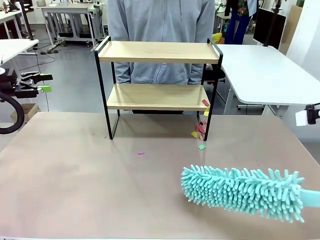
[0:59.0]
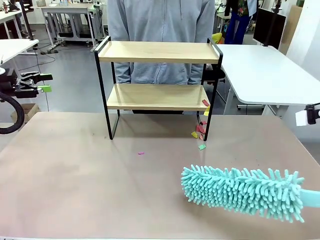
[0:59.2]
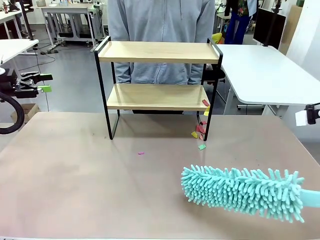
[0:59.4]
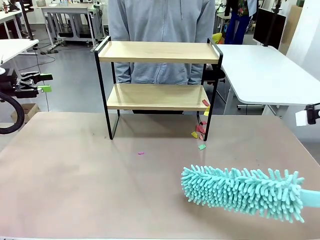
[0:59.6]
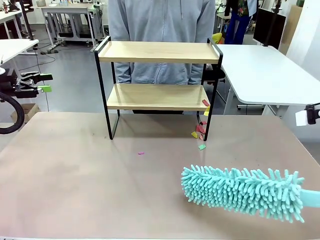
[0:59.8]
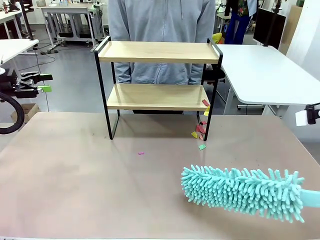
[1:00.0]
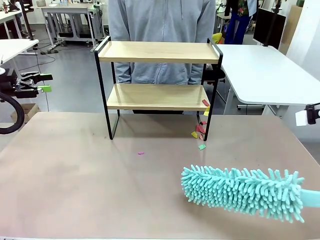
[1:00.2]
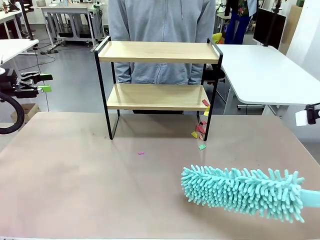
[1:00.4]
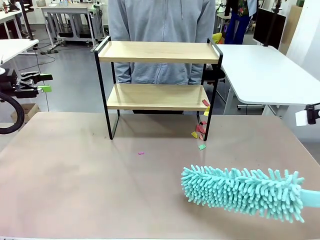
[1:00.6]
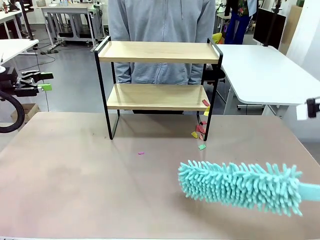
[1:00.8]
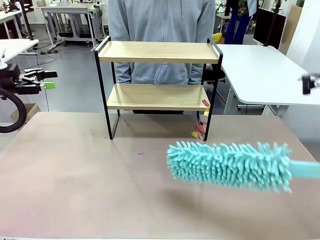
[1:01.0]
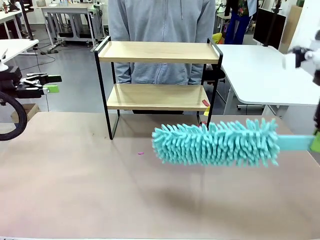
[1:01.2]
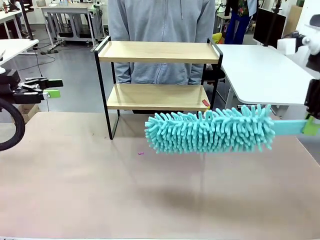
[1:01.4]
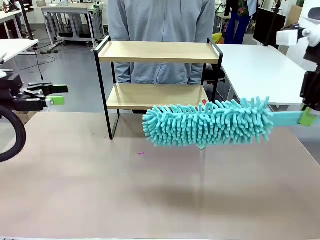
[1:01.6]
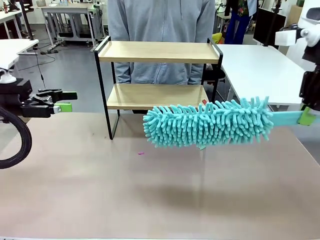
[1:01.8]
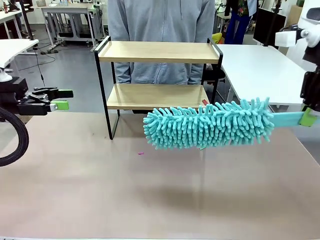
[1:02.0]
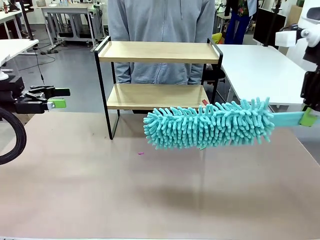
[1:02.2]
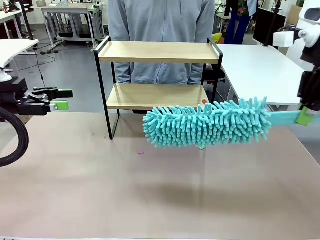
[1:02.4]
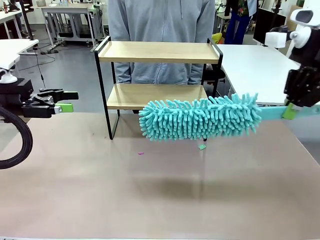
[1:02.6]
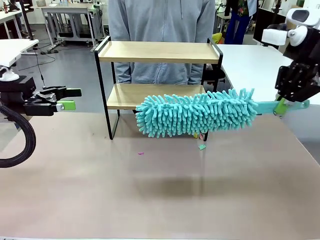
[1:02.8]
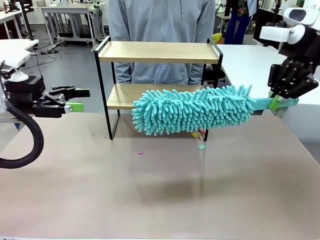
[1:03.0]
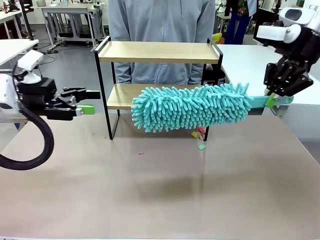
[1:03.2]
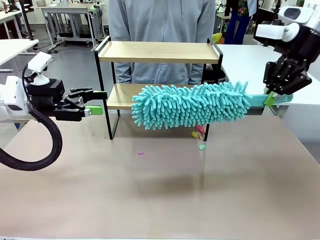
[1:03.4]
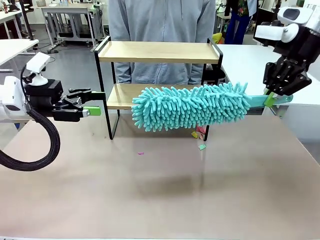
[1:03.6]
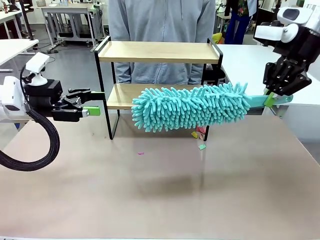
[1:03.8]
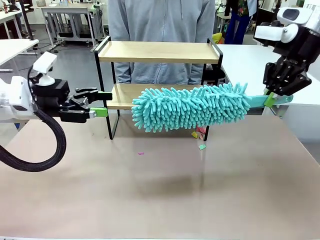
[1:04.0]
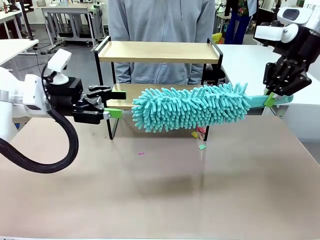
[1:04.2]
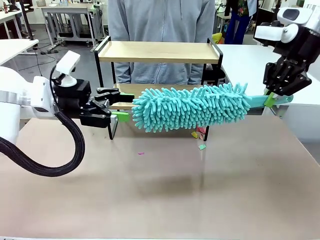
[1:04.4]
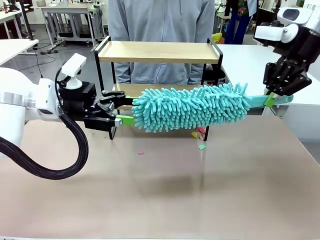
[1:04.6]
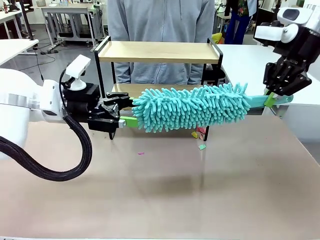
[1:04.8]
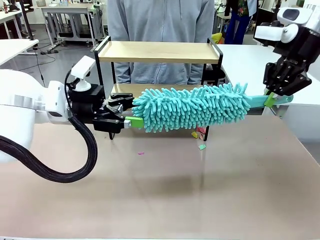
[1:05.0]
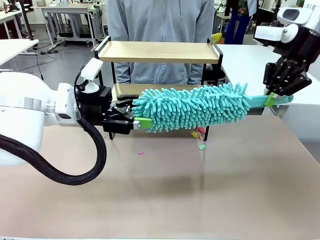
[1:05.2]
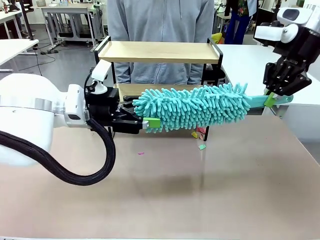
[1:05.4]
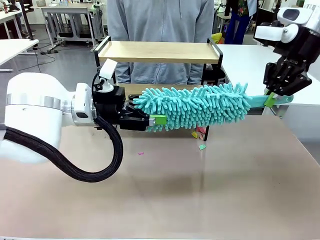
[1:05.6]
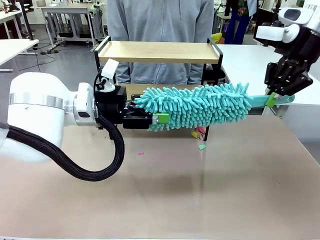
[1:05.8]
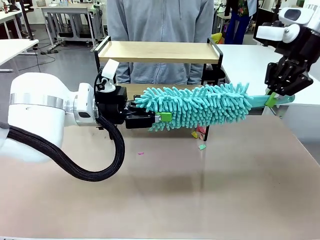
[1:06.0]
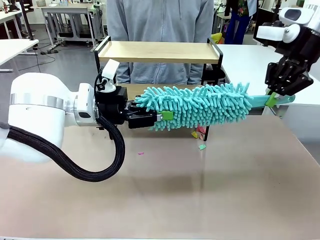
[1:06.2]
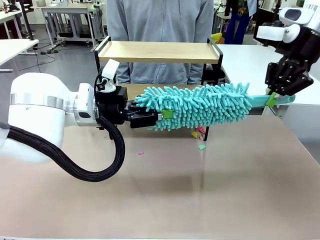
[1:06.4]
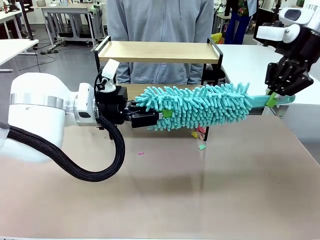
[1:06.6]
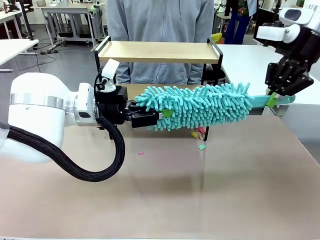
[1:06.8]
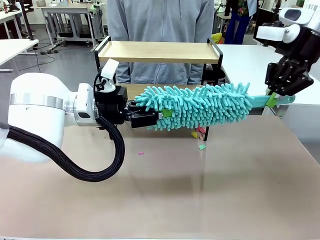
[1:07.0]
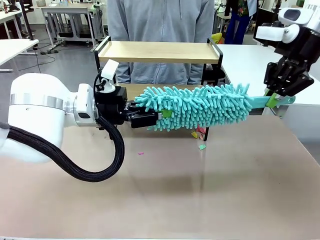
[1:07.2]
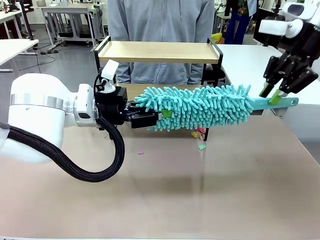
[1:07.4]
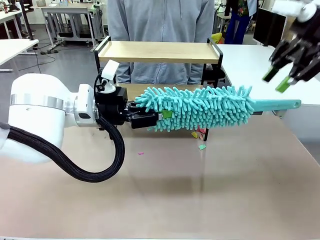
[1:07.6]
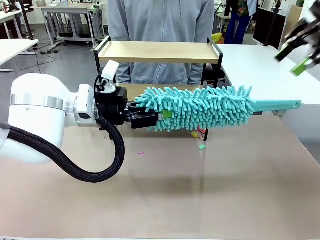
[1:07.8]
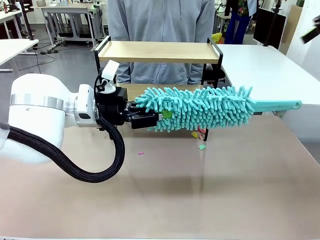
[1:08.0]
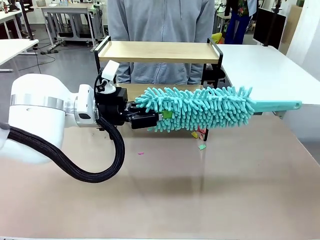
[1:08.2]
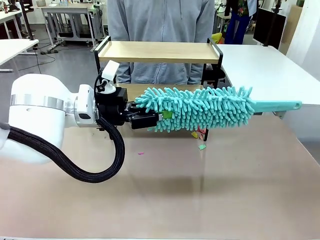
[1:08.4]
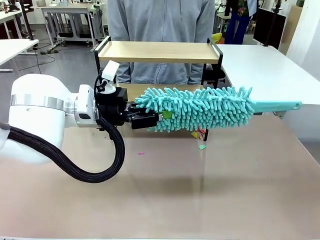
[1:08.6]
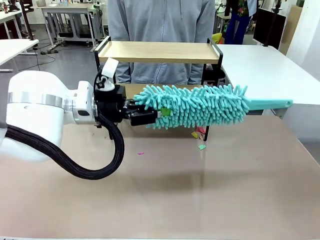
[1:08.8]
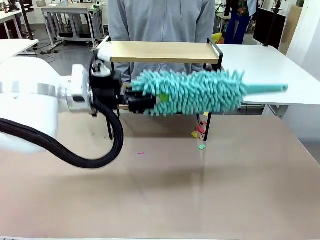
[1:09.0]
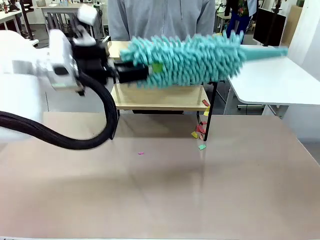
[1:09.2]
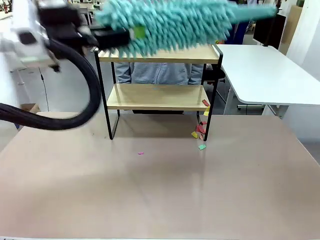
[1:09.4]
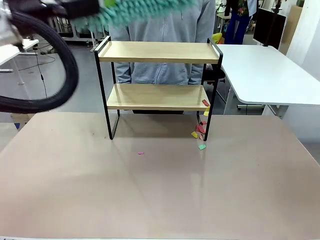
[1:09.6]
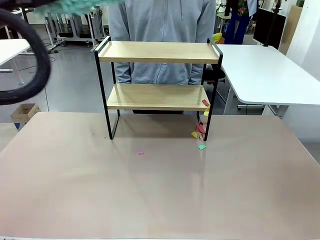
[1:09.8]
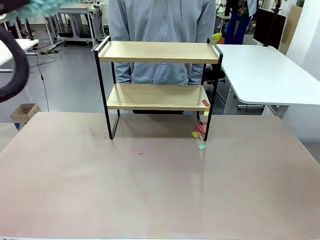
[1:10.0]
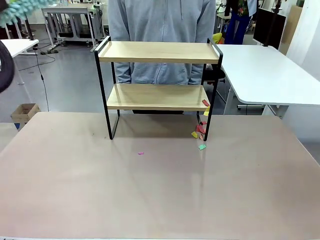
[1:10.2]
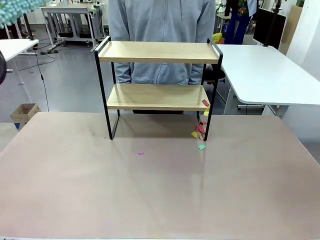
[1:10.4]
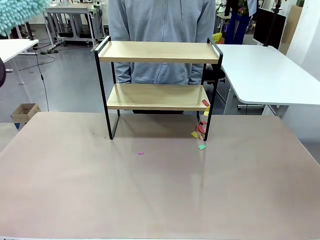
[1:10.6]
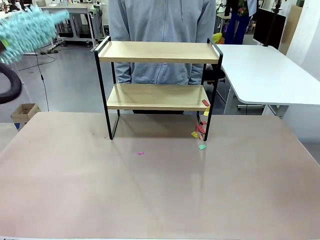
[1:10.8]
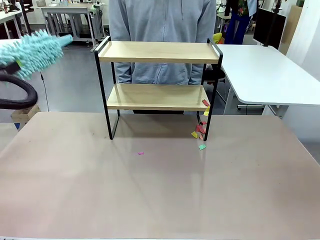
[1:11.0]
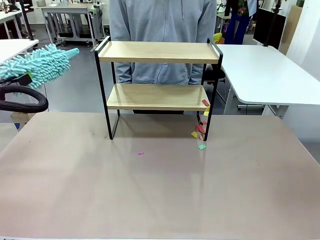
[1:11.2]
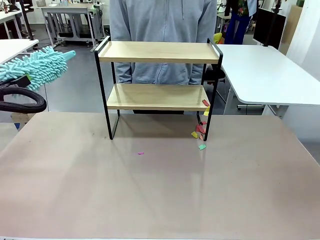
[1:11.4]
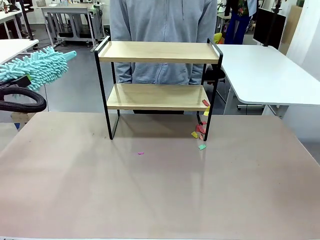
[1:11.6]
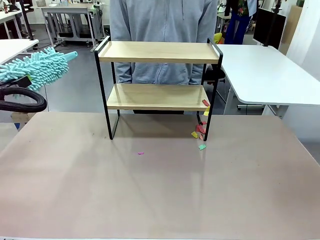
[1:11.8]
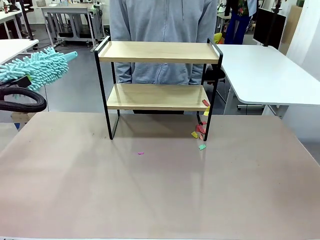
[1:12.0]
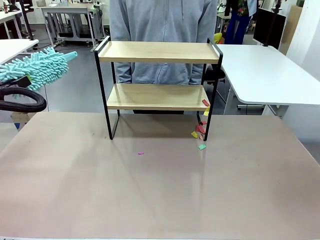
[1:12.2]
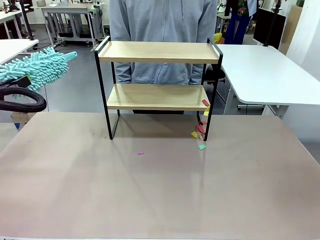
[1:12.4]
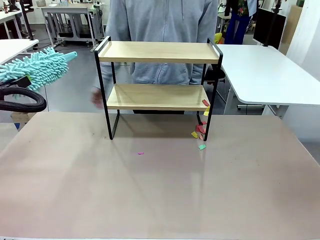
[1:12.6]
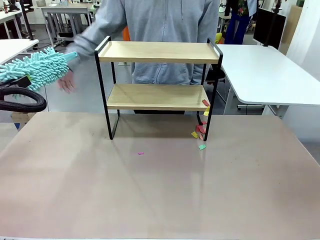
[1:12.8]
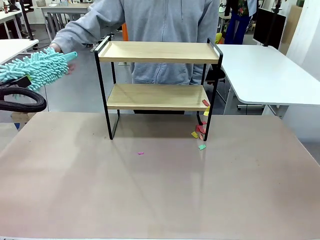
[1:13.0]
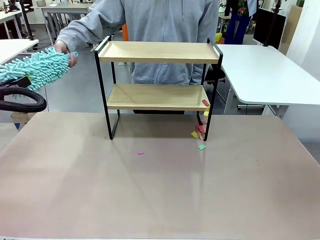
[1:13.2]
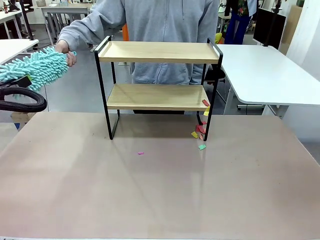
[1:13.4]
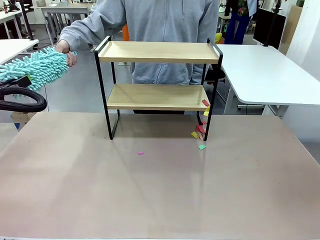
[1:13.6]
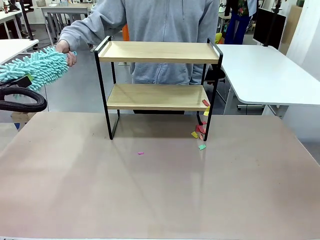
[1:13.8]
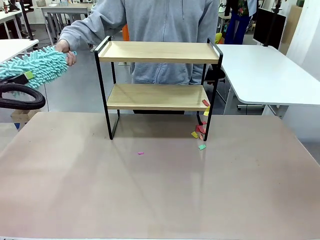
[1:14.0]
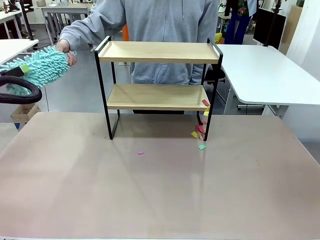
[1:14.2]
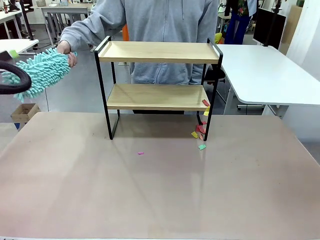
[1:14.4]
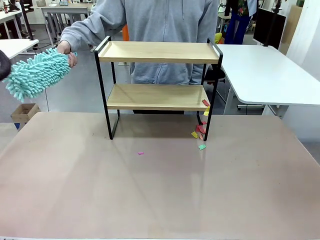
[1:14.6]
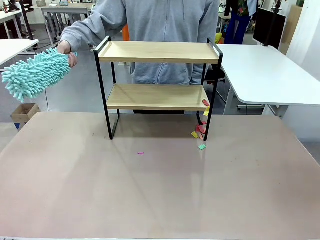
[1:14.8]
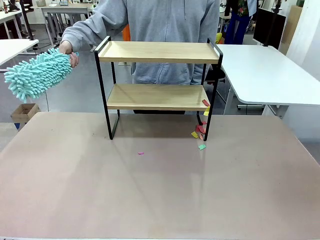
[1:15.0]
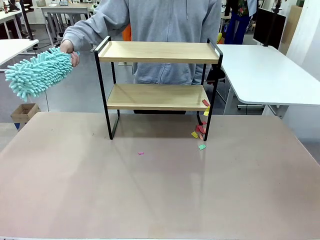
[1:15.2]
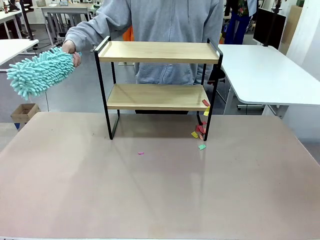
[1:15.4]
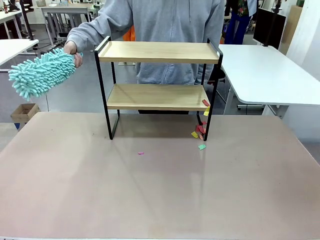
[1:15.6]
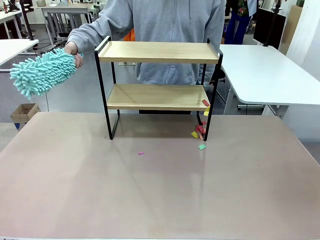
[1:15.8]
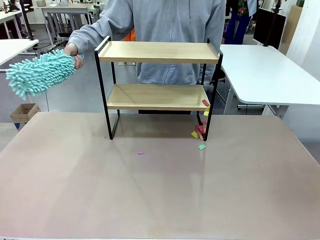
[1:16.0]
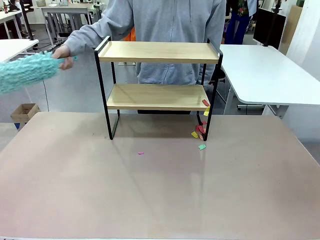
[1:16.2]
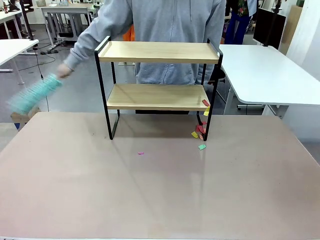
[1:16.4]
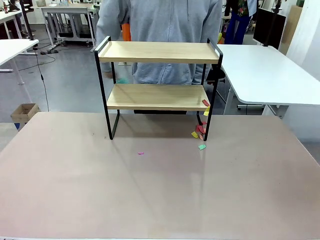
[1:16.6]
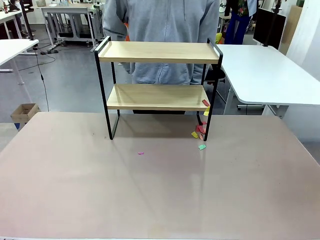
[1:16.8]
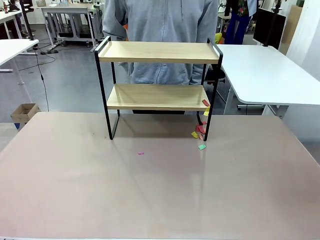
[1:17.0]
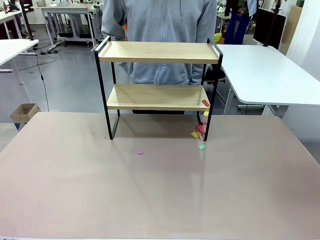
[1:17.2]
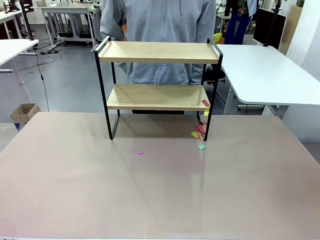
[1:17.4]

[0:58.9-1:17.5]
Task: Clean the shelf.
Robot: Hand the Duster back to the human.
Person: Receive the Duster from the robot.

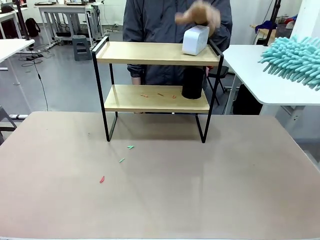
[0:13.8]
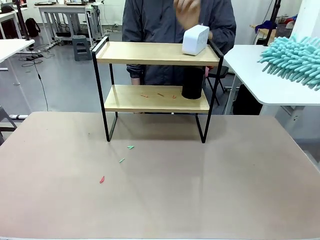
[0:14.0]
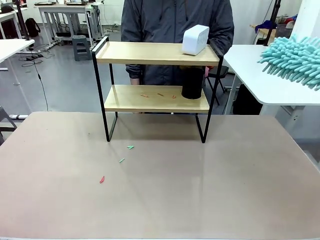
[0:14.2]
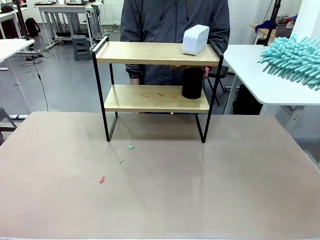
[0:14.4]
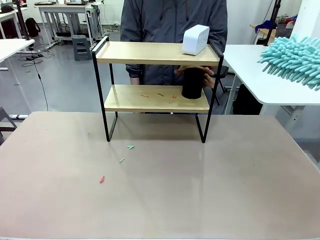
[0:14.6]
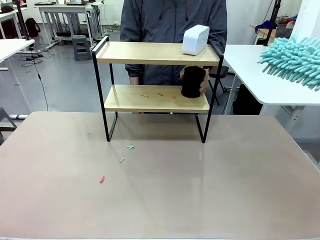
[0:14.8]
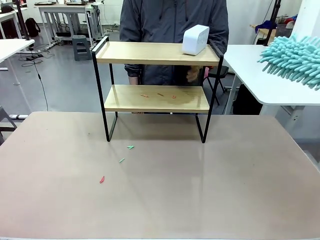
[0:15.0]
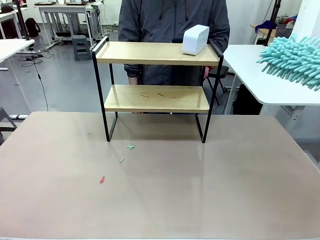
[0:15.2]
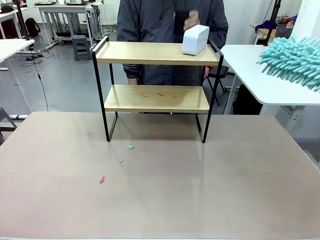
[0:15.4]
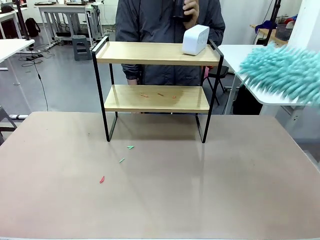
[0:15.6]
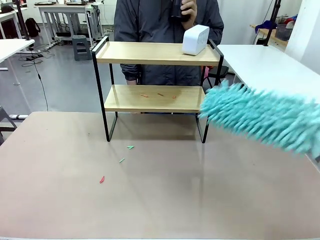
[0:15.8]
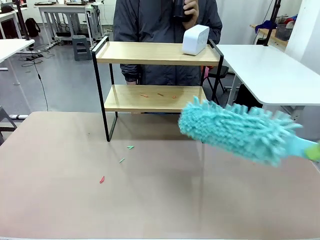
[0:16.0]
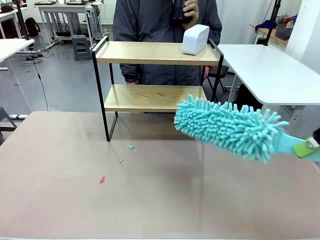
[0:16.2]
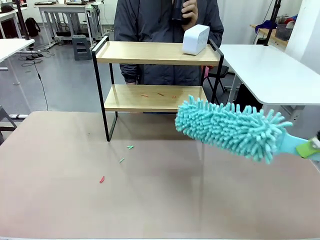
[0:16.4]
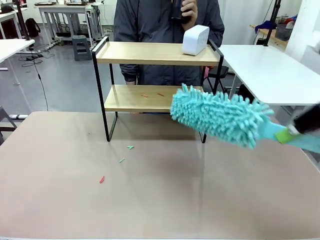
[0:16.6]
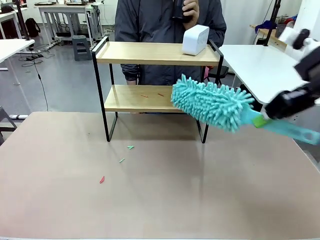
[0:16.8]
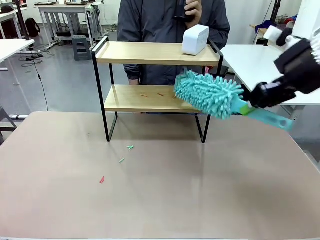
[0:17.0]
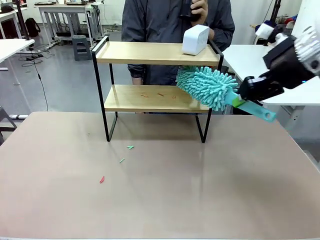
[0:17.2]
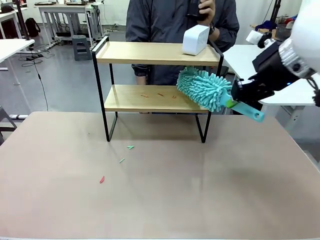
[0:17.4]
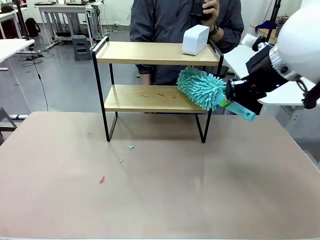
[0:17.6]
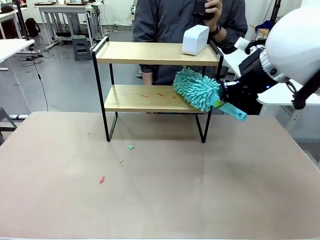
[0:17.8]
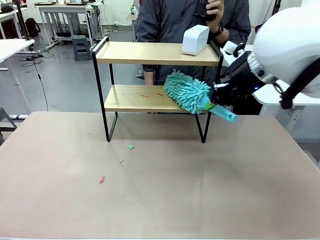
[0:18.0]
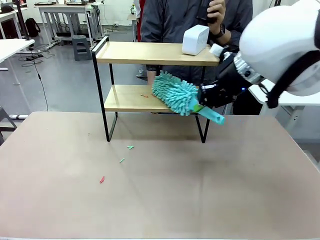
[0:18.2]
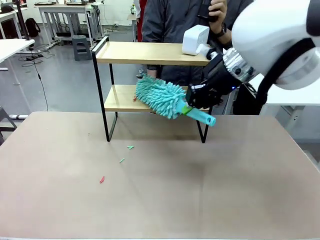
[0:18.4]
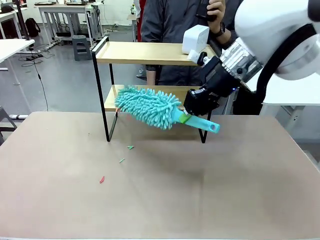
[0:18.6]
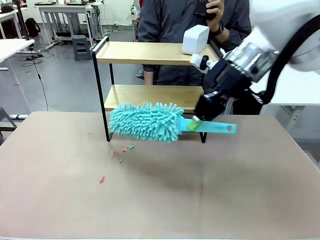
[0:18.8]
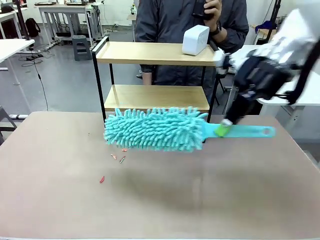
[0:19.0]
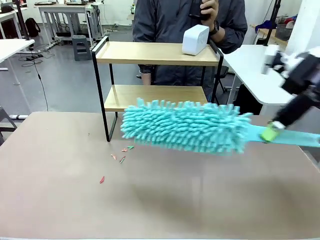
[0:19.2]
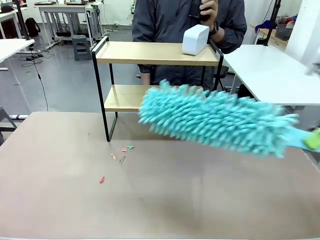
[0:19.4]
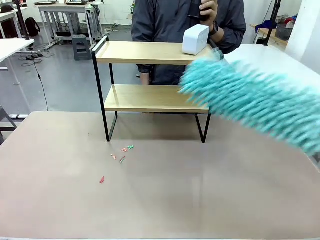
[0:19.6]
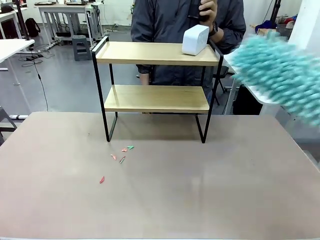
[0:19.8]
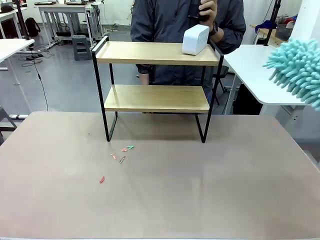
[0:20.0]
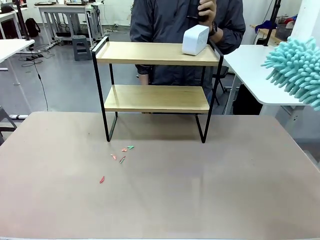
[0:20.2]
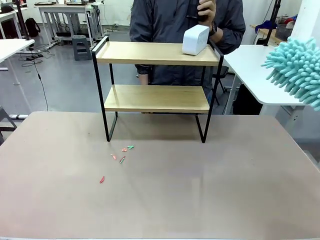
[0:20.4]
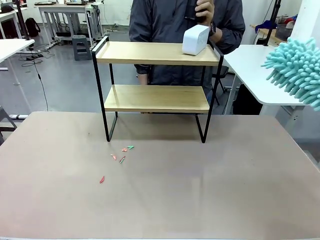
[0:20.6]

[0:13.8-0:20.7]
Task: Clean the shelf.
Robot: Clean the remaining tier of the Shelf with the Duster once objects are removed.
